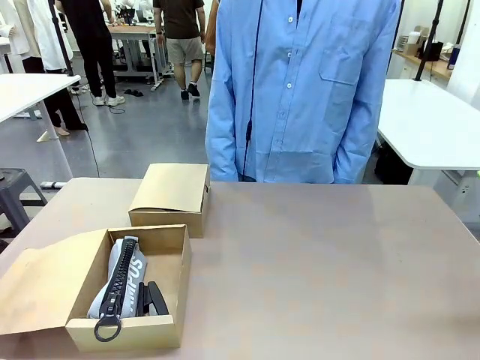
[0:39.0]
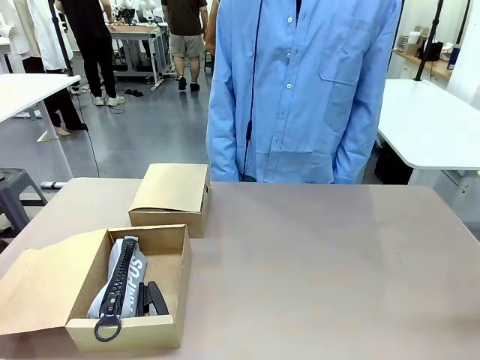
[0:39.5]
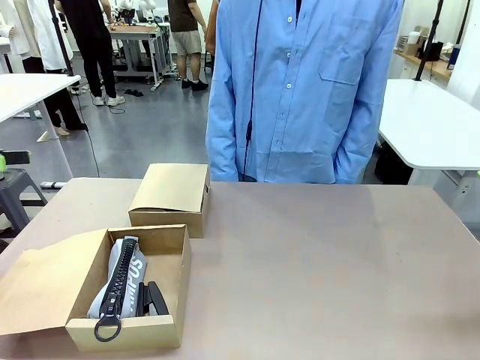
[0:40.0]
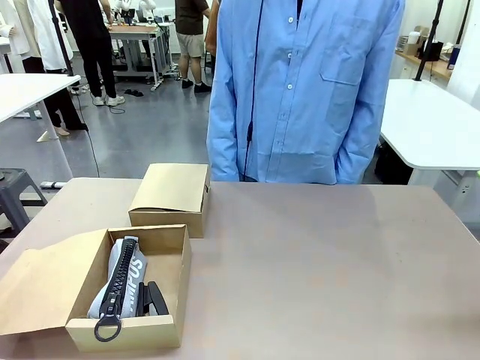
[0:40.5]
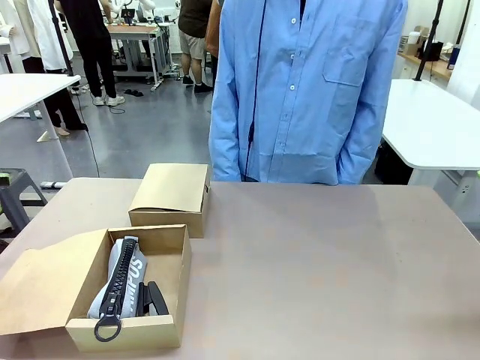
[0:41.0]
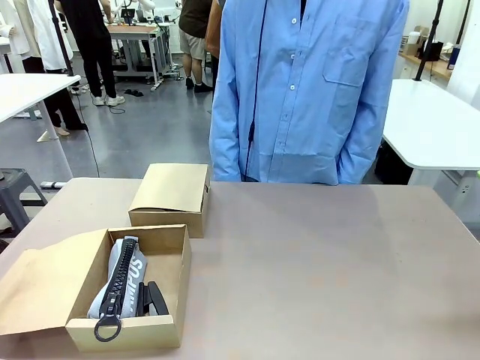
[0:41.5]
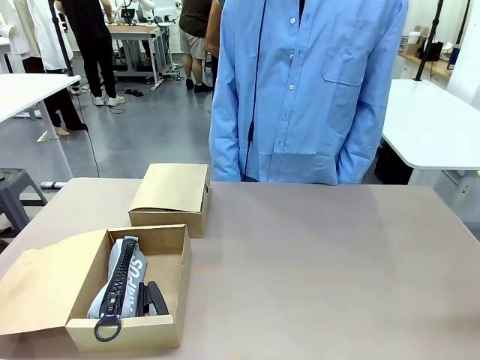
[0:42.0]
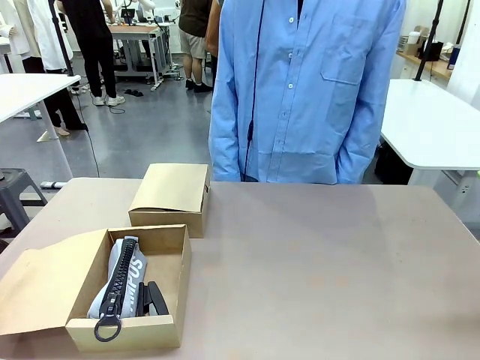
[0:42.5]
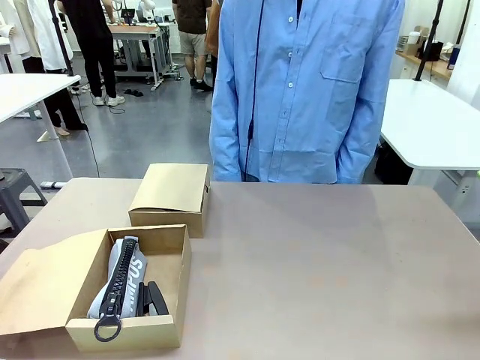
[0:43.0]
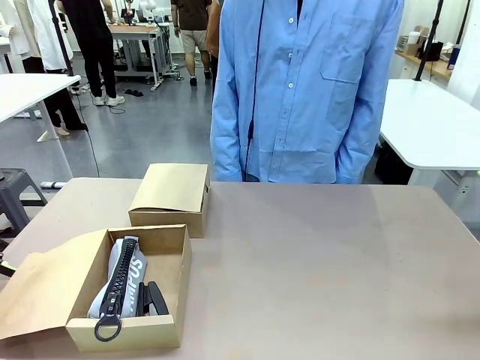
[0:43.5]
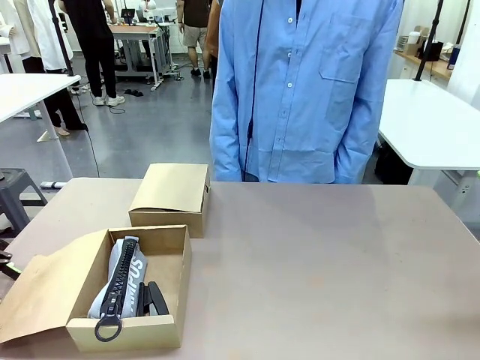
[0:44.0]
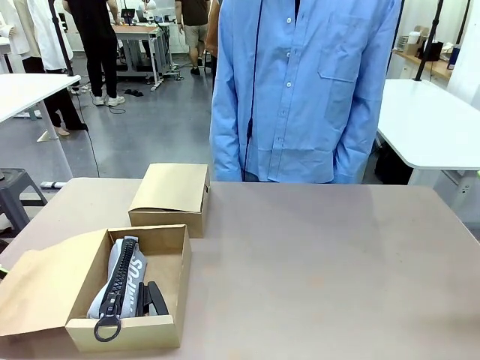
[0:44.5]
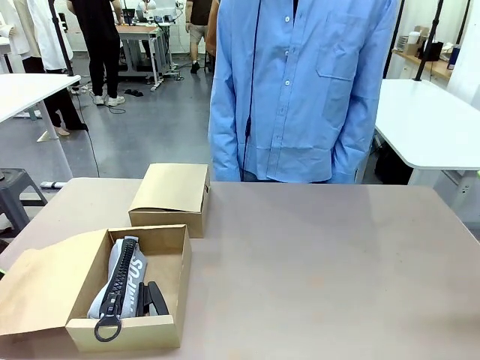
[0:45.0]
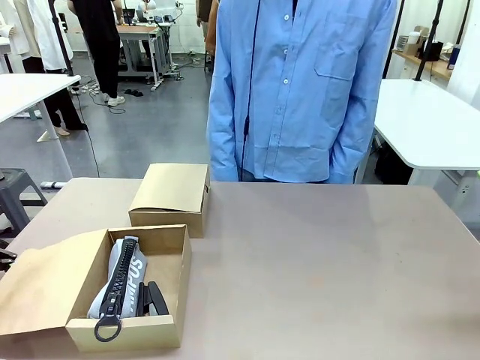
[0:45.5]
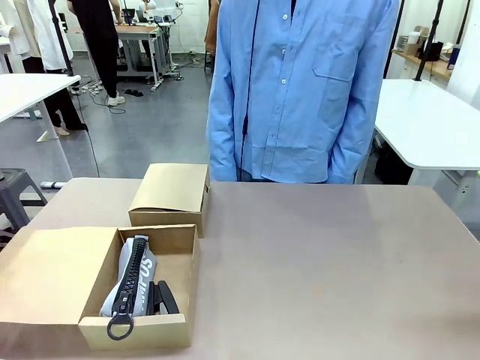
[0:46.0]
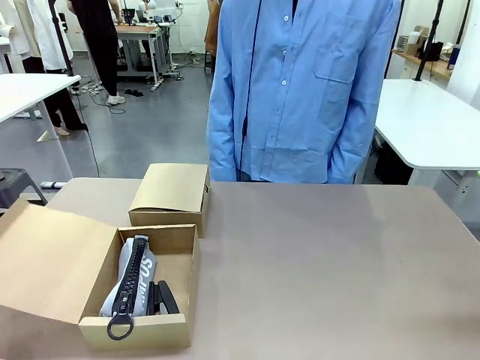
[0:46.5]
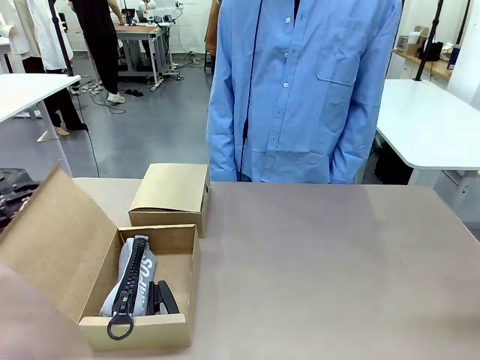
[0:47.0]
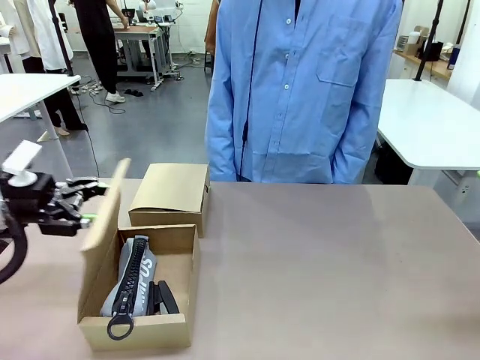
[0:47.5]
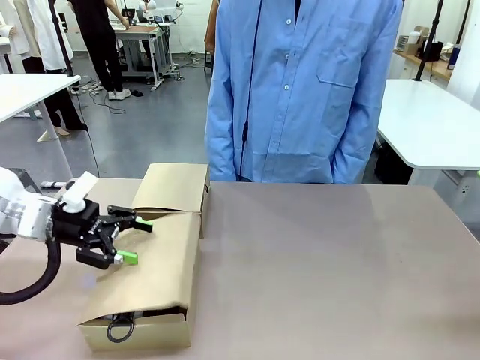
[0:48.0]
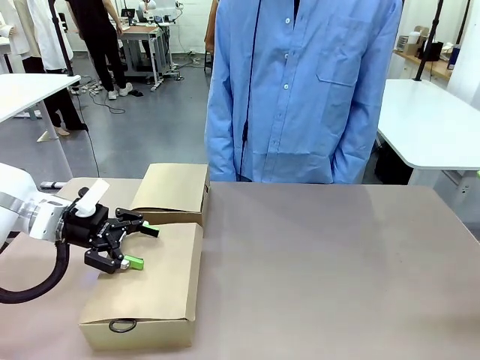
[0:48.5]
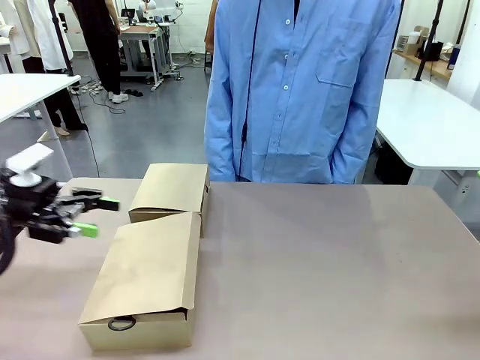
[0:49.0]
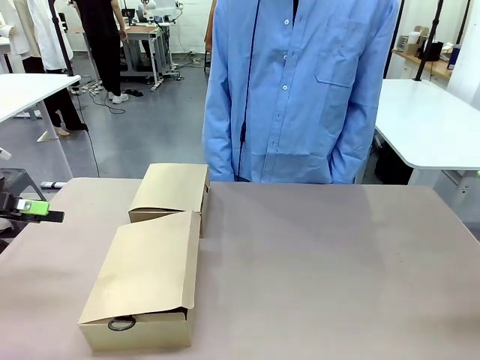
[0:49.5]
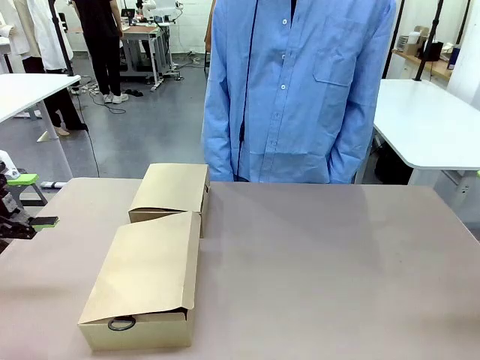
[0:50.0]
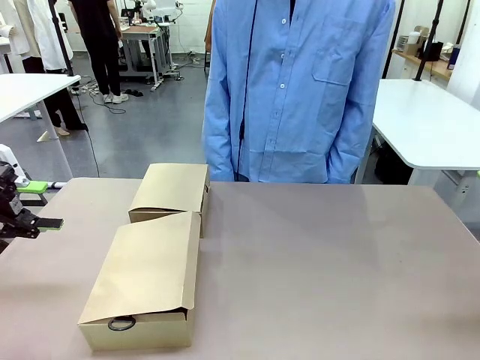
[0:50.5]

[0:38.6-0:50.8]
Task: Place items inside the box.
Robot: Close the lid of the Mailer Box closest to the robot.
Person: Close the lid of the box facing the person.

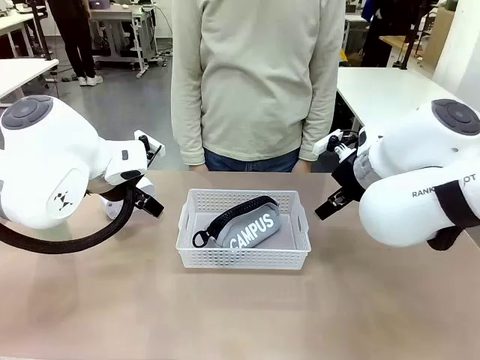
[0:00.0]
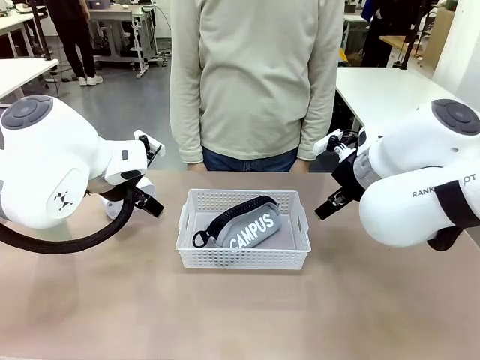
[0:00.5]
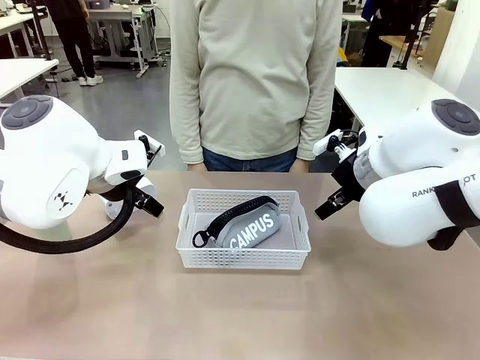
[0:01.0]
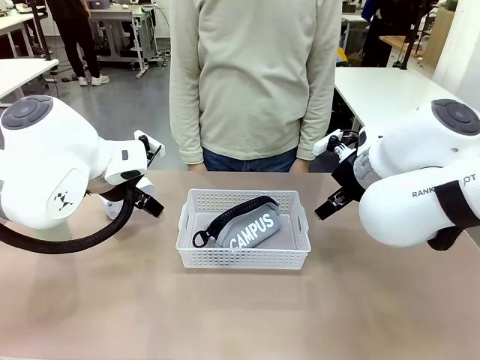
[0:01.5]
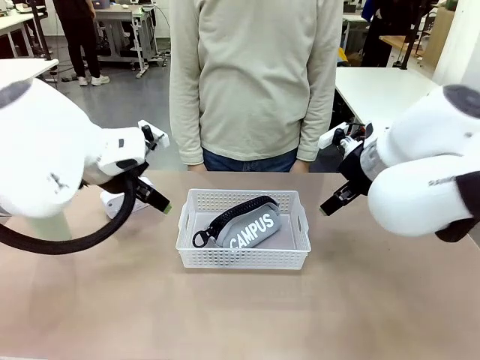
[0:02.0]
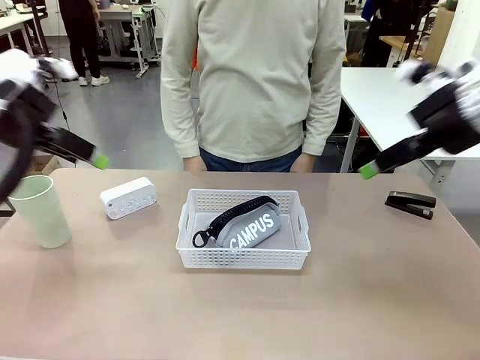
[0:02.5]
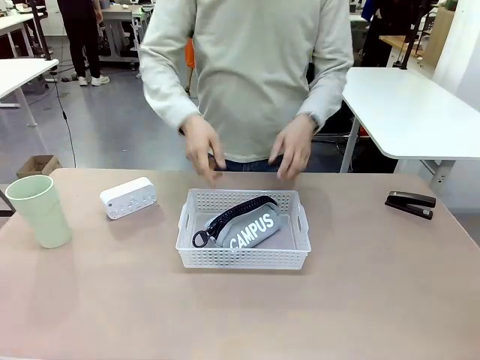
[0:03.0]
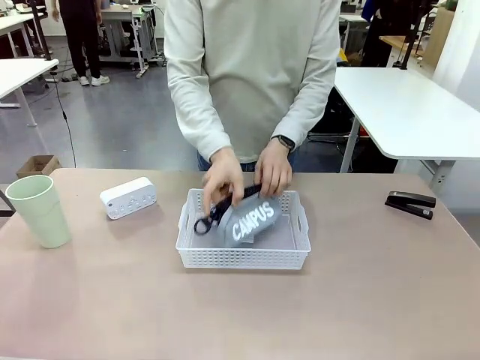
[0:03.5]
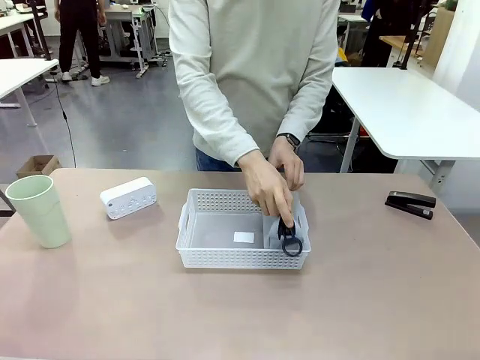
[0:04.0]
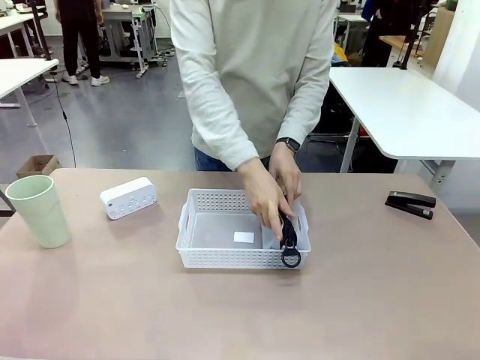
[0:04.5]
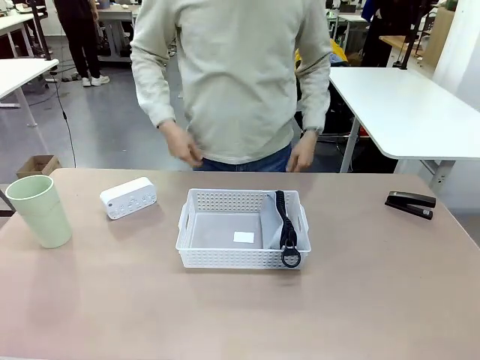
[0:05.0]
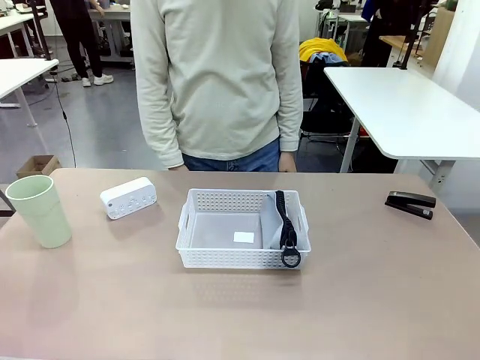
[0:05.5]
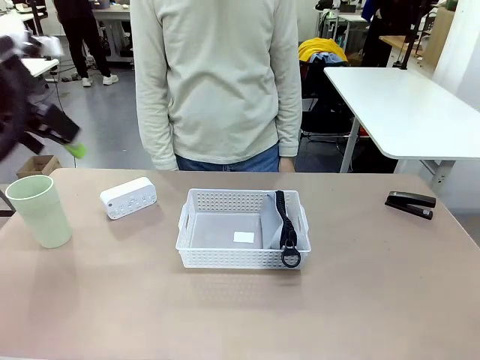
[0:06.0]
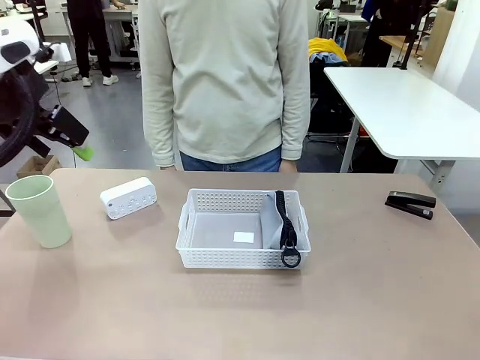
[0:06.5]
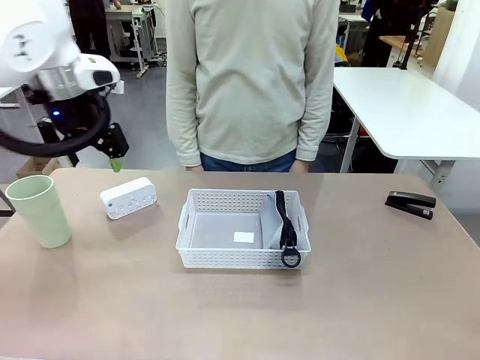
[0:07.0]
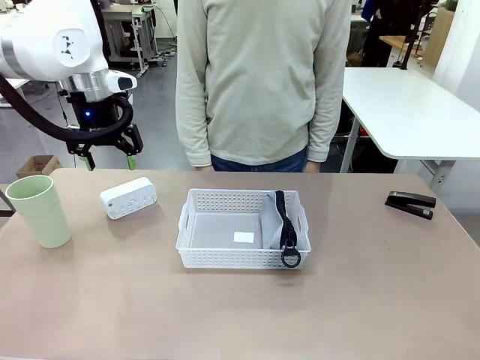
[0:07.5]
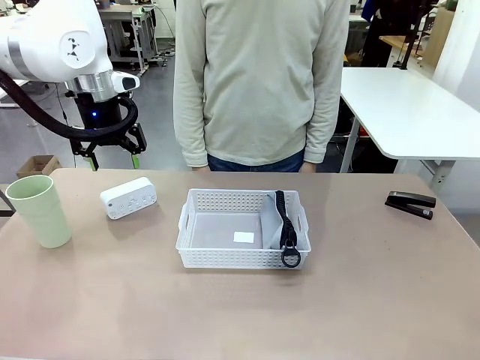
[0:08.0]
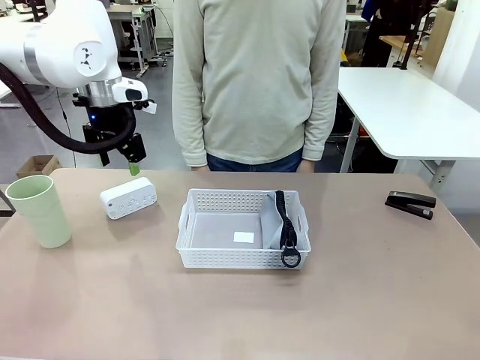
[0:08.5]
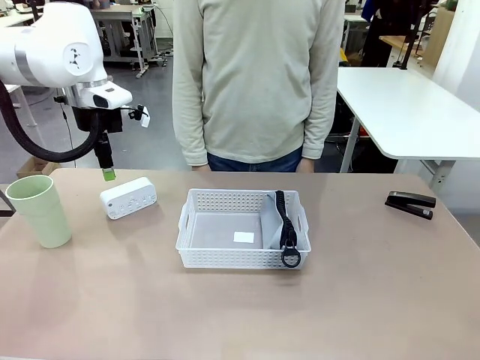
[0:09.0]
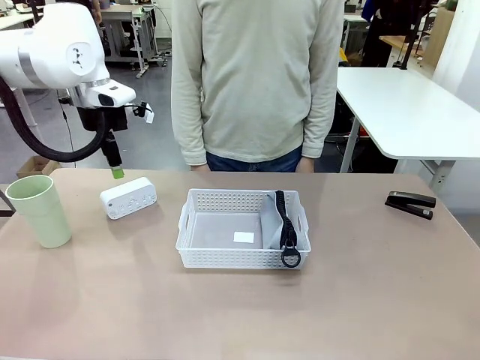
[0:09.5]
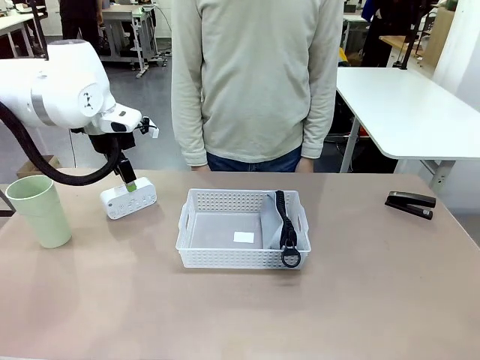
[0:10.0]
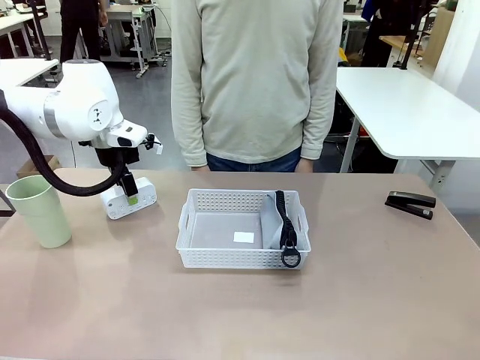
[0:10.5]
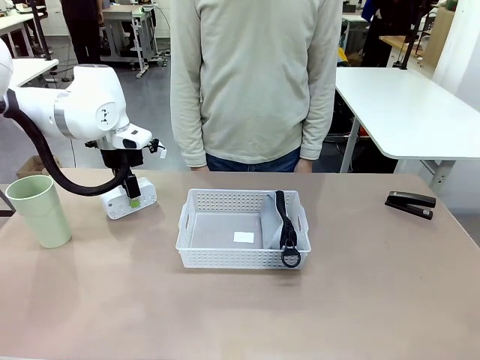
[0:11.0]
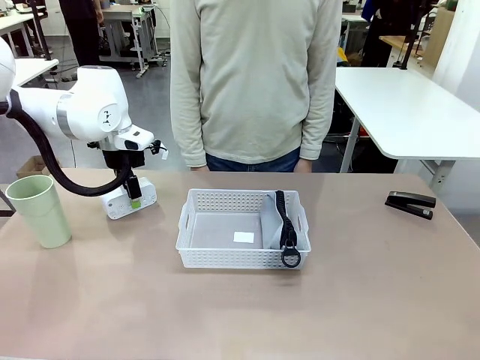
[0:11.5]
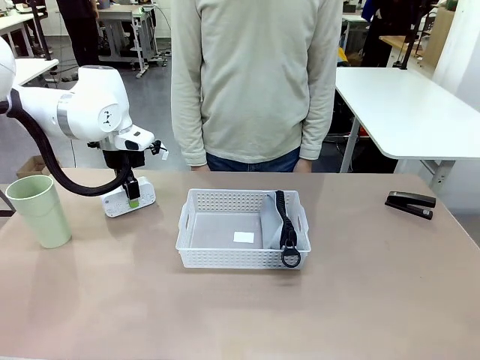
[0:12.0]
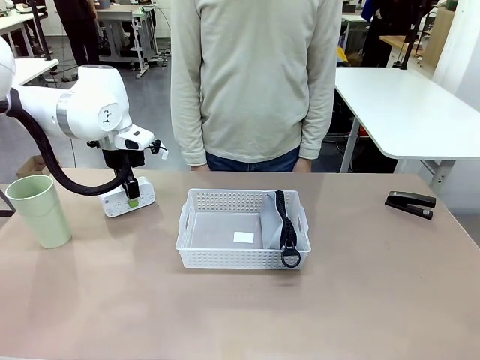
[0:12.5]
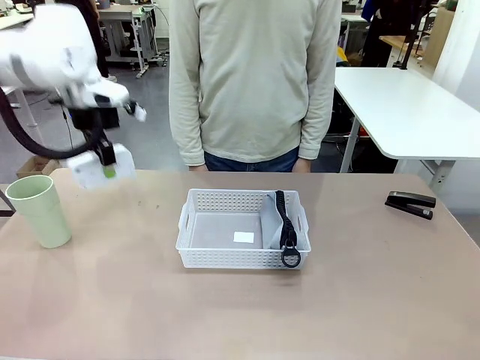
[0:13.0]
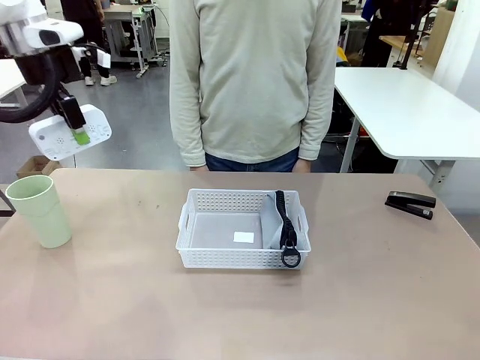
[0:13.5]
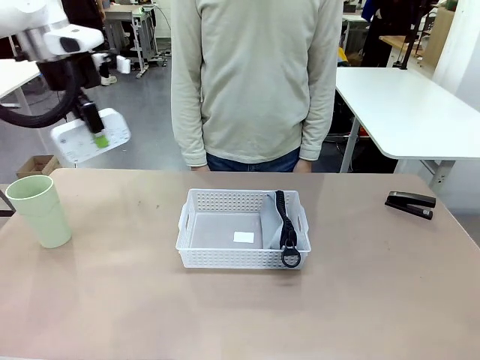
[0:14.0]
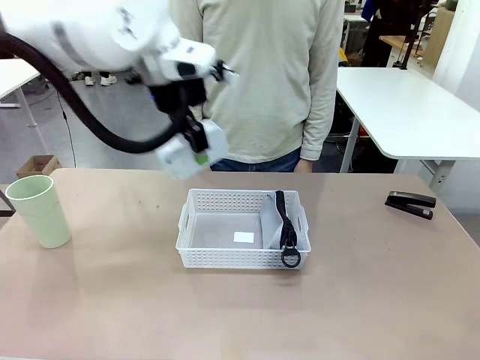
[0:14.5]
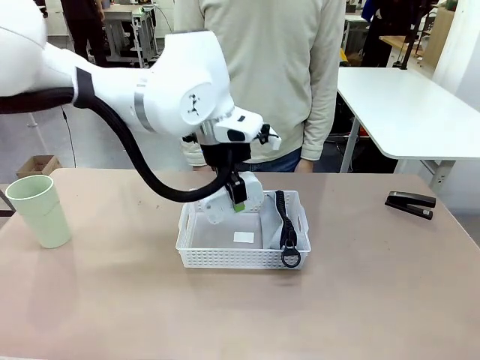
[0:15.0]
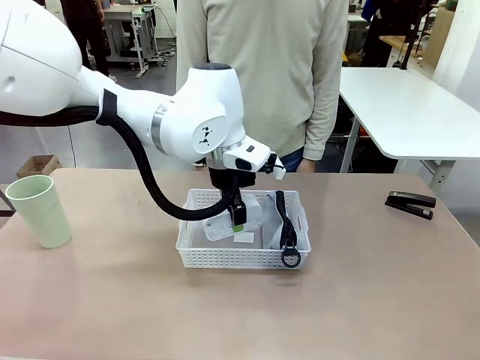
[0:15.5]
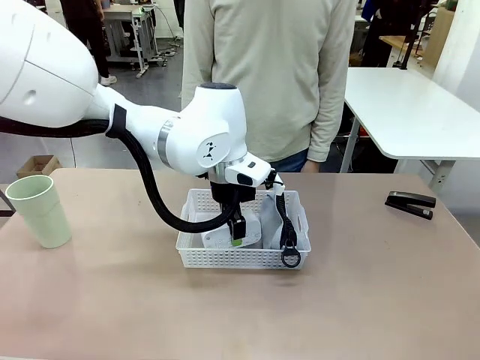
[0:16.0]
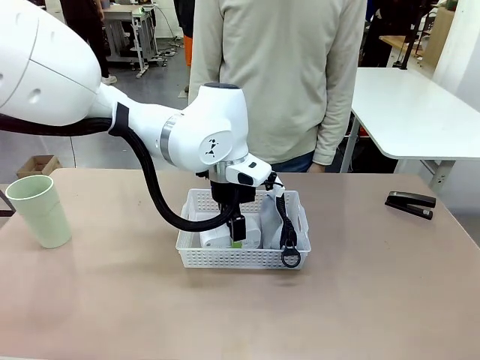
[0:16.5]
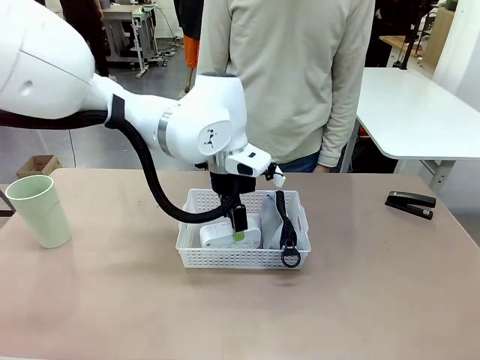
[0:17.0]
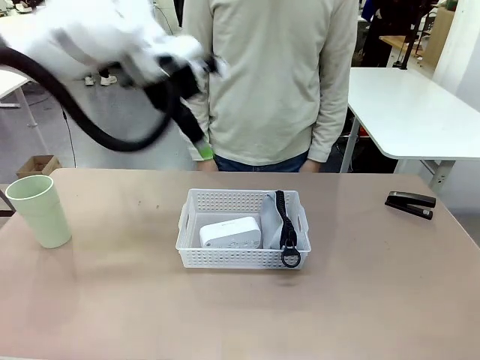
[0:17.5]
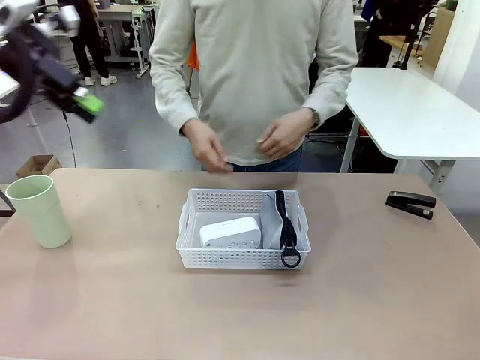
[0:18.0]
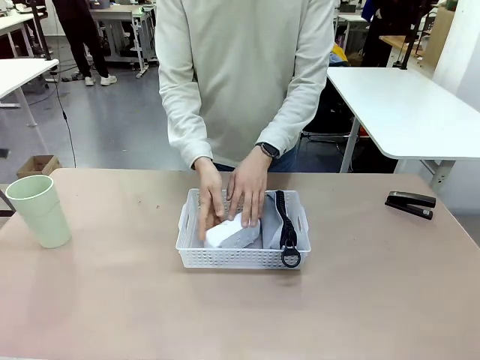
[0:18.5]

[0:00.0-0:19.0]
Task: Efficiently arrange items inside the basket to fit them all.
Robot: Pick up the Digital clock and place it inside the Organizing basket.
Person: Repositions the pencil case. Repositions the digital clock.
